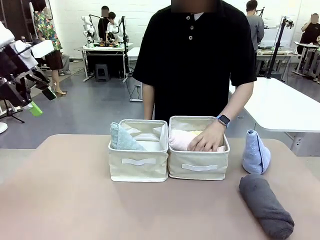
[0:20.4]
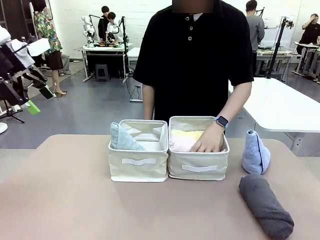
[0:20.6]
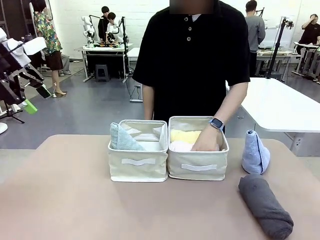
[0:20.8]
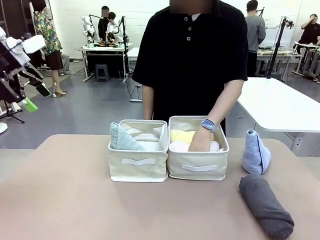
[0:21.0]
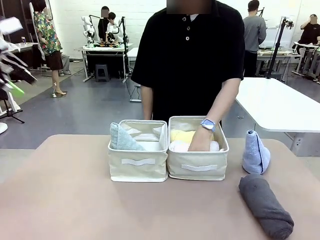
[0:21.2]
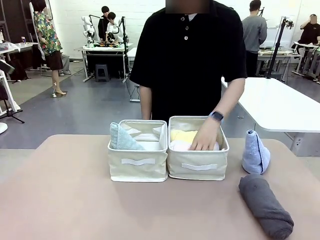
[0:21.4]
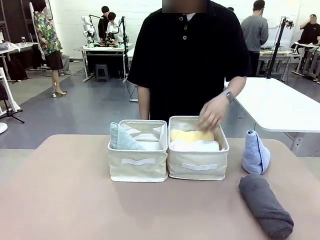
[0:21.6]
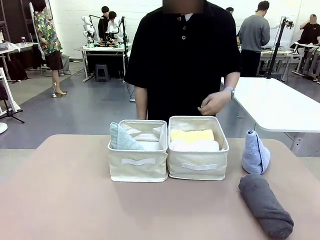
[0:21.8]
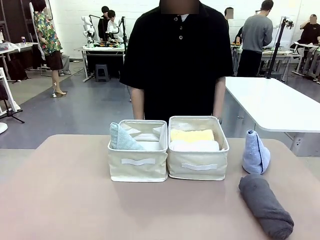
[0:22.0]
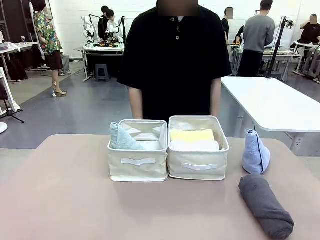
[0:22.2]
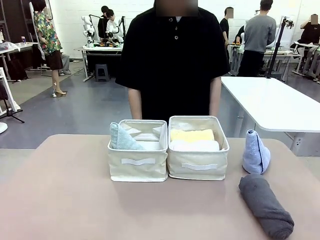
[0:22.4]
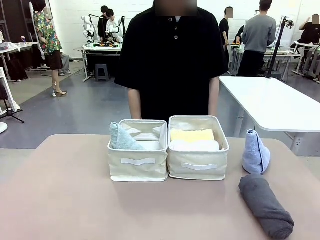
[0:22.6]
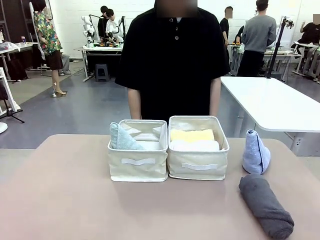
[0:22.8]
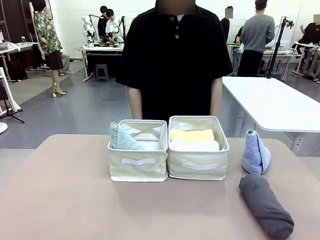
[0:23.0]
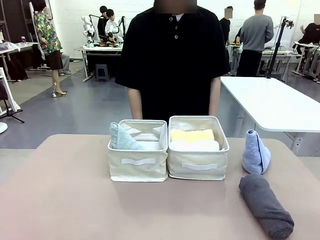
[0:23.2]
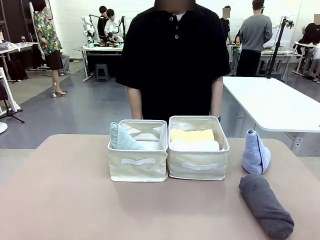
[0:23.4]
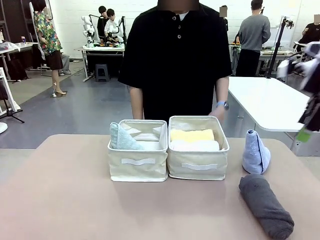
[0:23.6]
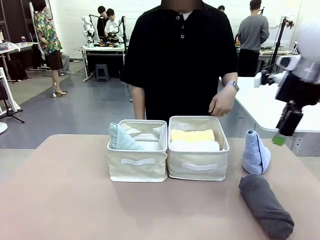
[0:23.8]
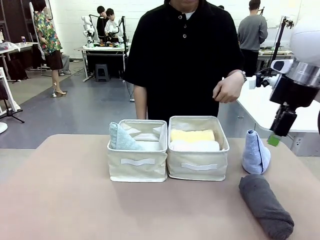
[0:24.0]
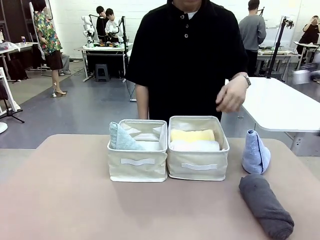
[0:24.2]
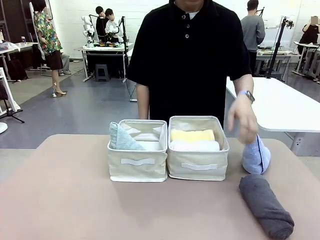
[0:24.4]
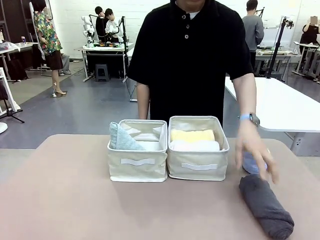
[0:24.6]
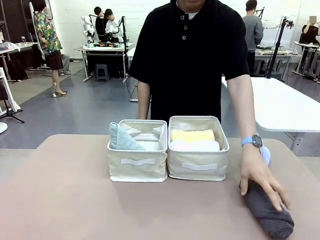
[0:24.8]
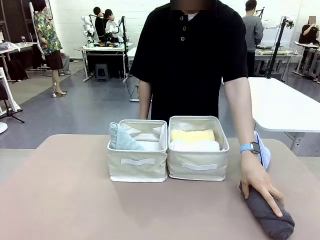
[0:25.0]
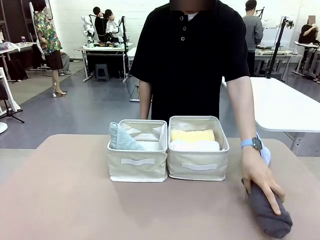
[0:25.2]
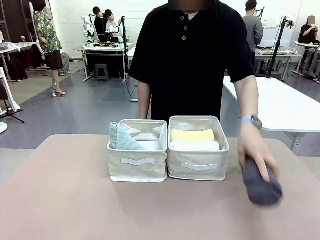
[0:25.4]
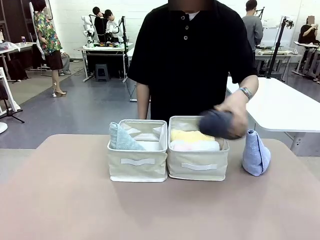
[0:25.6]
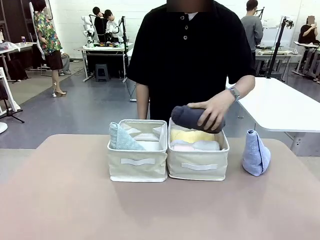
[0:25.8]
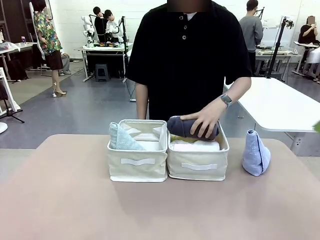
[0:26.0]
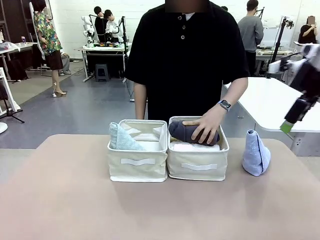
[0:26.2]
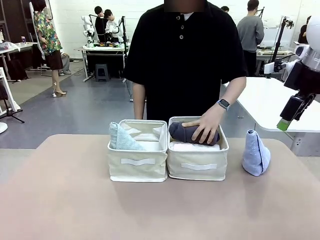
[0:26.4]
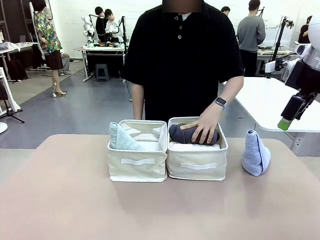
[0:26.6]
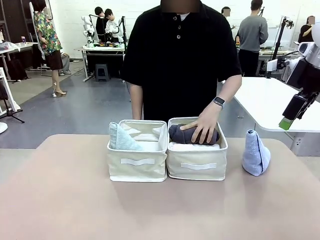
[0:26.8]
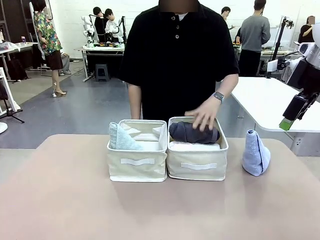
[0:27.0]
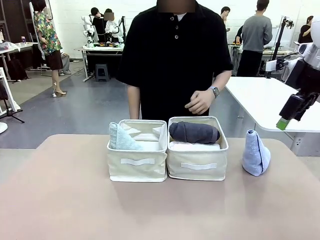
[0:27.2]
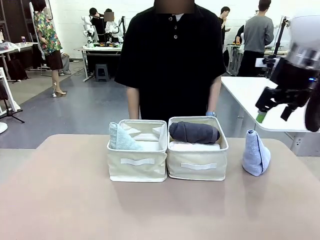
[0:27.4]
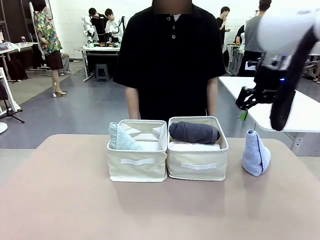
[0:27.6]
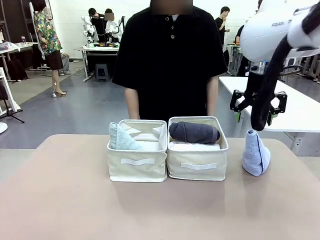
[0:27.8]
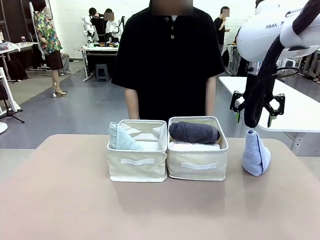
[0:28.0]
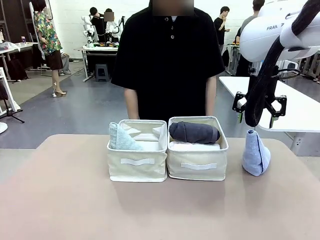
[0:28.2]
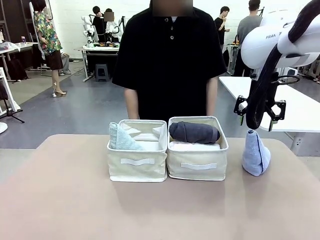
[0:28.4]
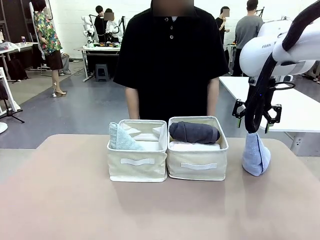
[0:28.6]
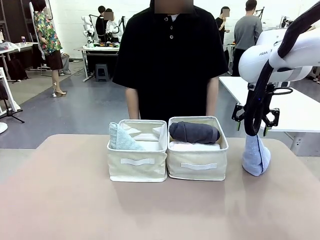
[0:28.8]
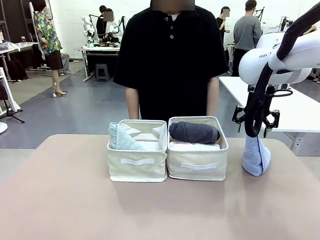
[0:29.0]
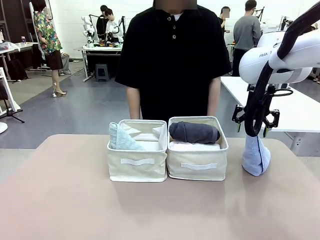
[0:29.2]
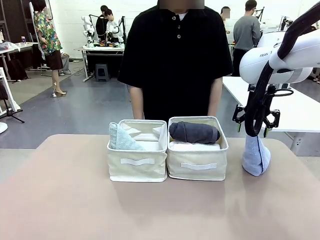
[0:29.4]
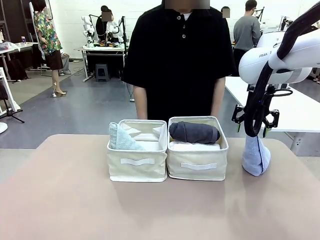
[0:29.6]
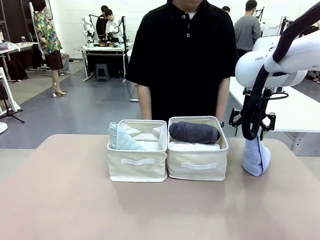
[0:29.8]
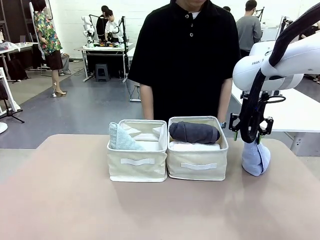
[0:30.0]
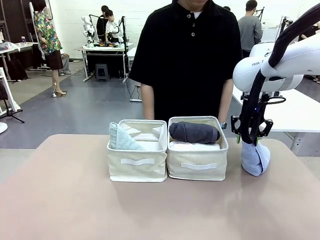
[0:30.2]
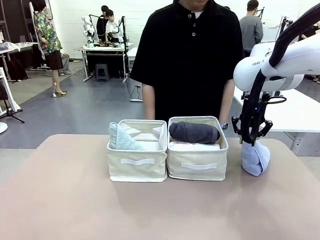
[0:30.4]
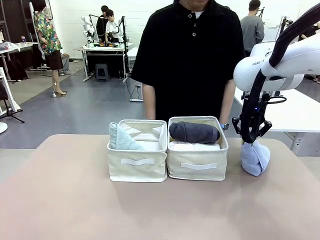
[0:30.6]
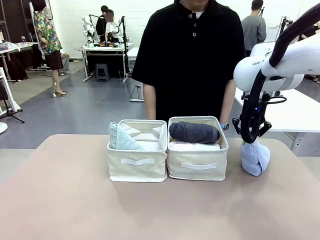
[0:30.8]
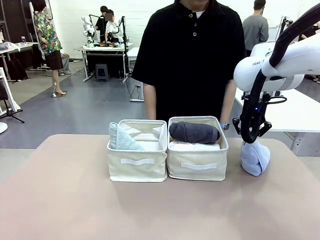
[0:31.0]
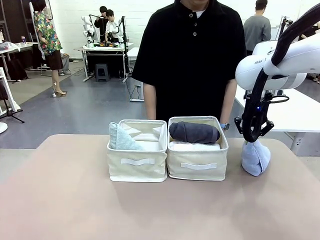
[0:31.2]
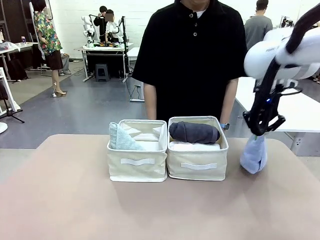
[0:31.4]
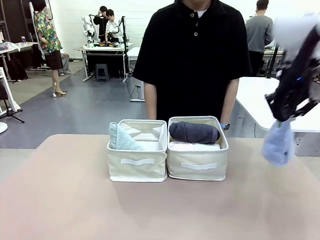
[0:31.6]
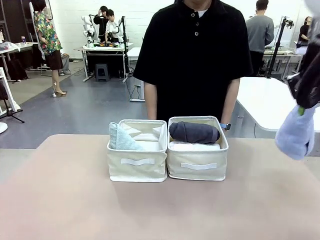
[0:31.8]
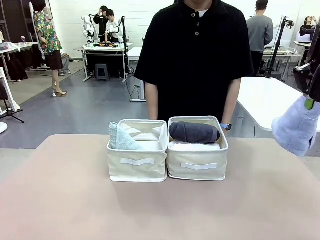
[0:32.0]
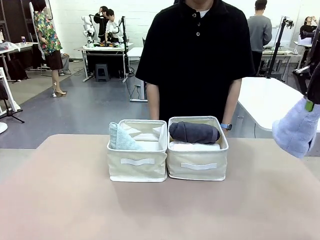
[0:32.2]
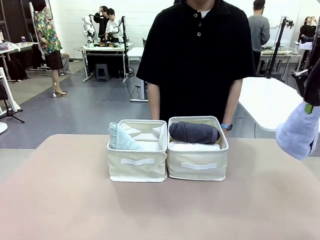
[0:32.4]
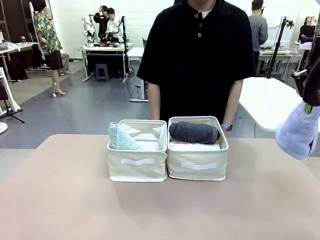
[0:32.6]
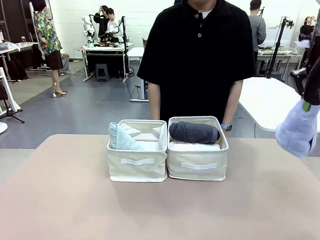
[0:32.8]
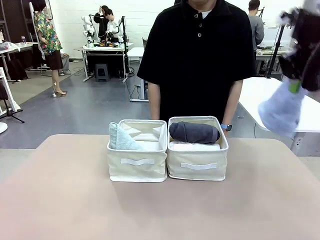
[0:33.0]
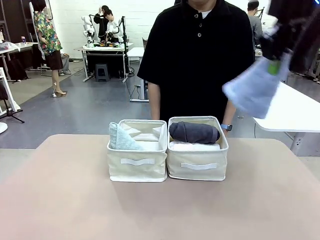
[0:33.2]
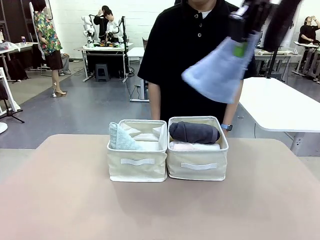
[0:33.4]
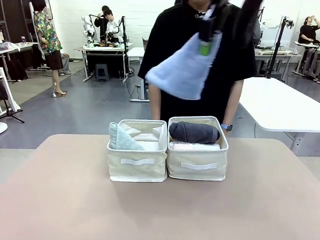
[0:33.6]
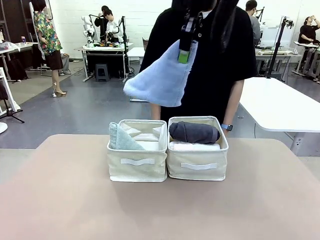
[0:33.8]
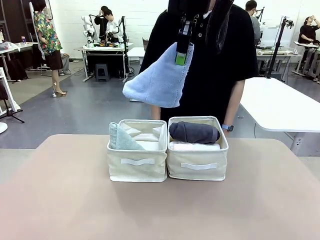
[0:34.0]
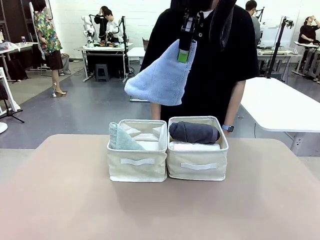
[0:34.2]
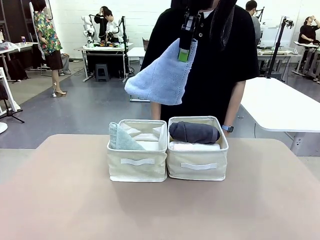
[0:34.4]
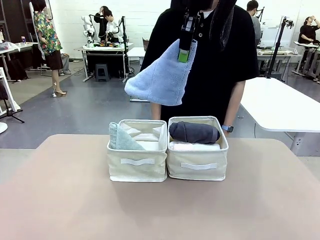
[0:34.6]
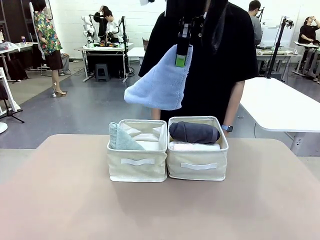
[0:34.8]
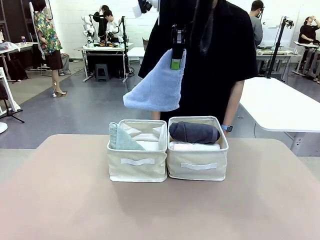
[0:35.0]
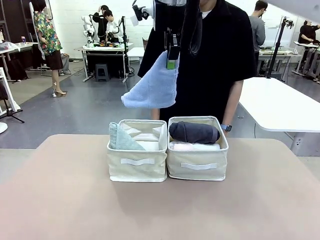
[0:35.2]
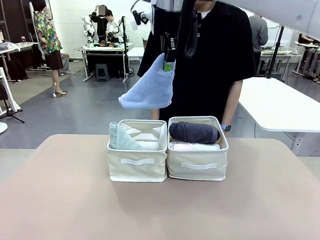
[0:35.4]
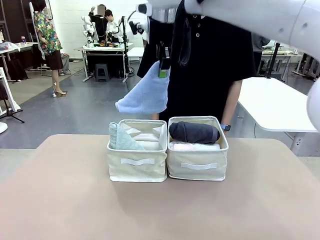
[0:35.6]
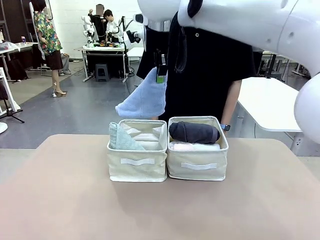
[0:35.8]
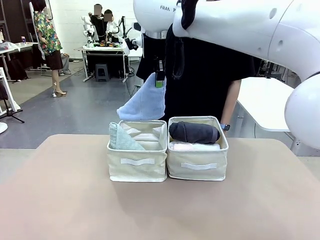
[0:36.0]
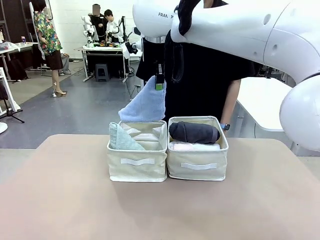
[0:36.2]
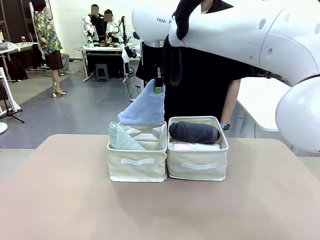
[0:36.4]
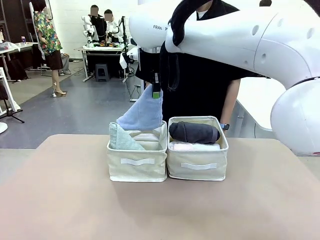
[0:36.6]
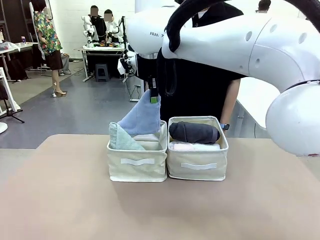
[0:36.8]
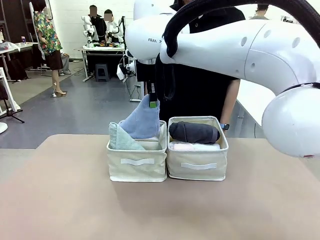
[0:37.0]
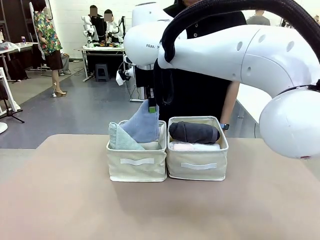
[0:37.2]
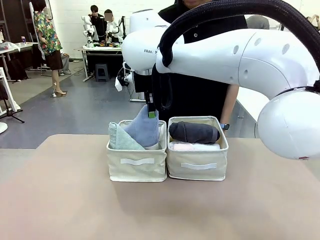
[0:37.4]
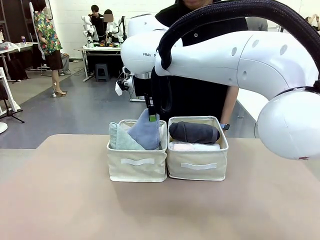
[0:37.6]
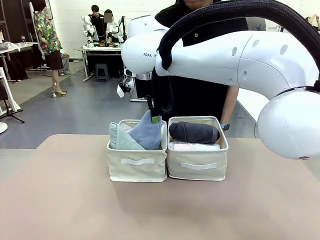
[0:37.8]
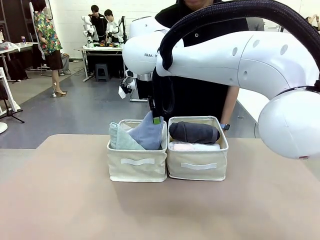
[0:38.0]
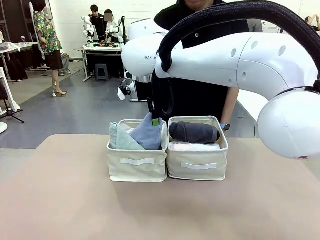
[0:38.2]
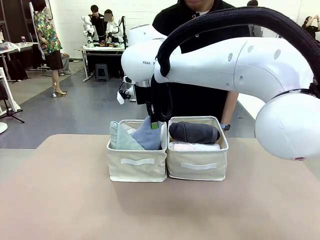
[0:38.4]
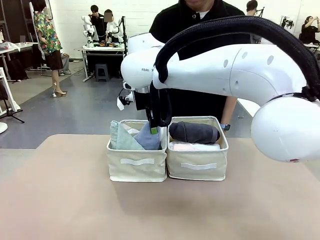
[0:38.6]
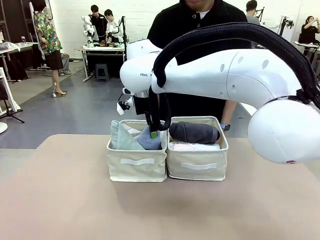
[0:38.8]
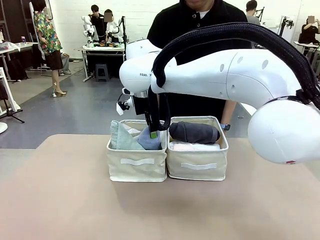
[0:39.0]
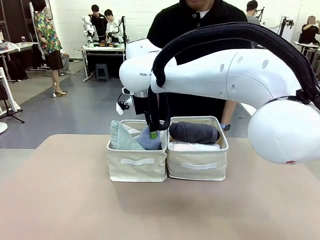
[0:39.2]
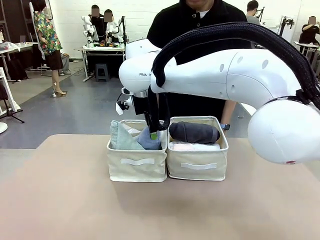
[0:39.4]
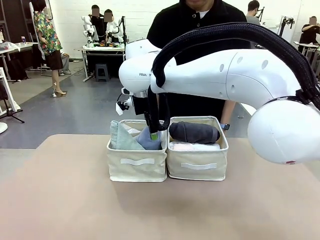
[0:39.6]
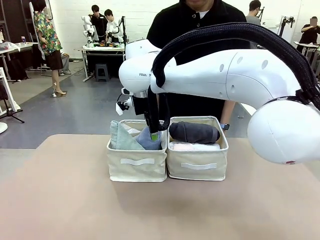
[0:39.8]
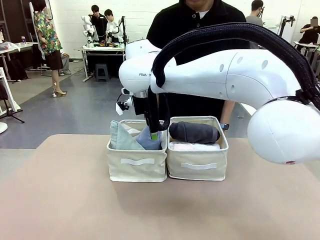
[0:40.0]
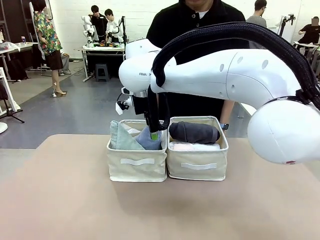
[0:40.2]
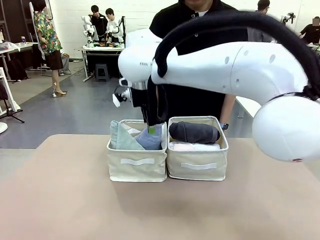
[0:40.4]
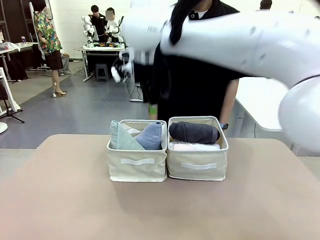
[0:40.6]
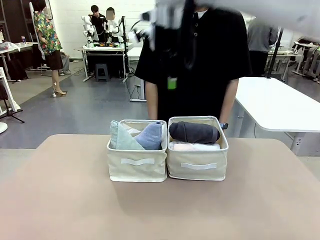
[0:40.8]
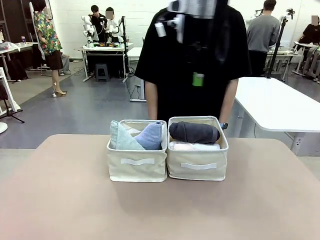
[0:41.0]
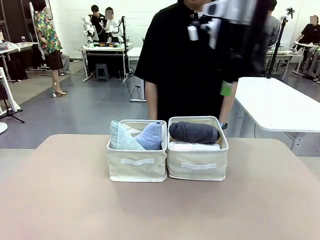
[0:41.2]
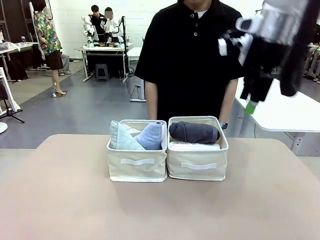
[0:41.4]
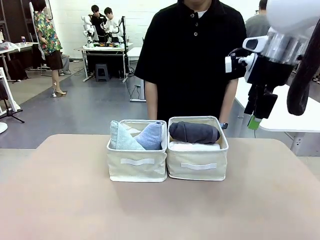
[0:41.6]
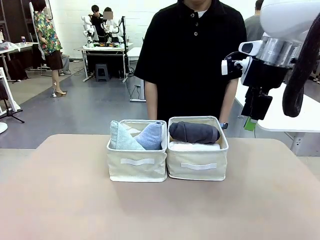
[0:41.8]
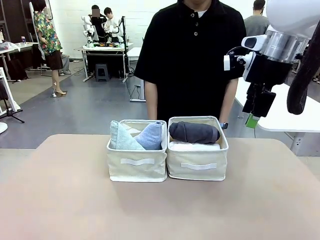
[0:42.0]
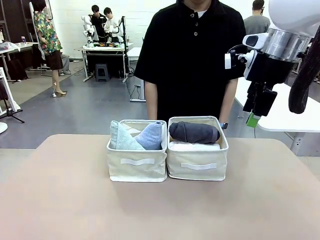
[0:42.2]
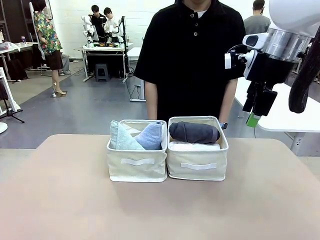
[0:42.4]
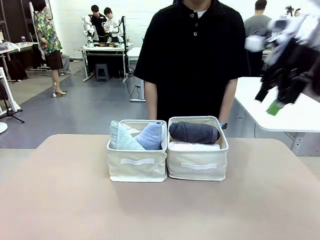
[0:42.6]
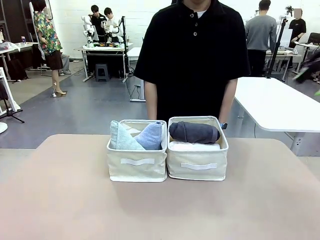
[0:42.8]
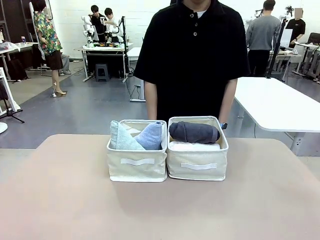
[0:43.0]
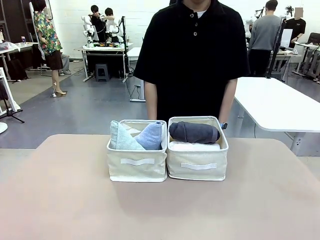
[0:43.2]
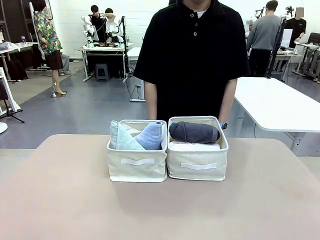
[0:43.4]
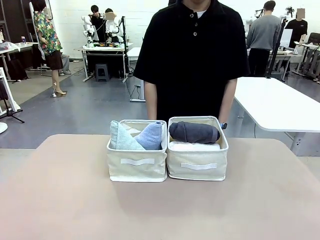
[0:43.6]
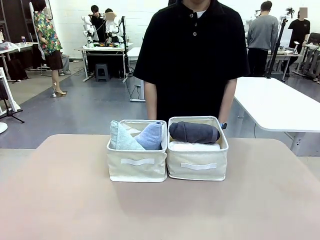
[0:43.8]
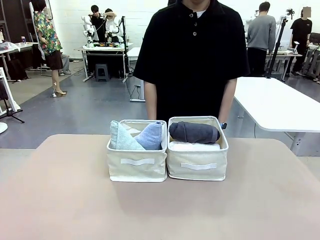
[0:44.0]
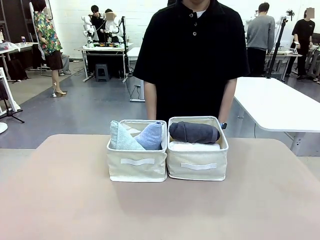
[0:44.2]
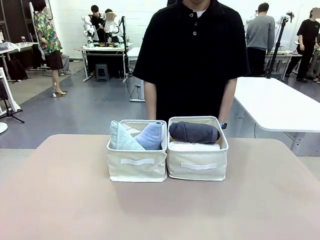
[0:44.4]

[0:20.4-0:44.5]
Task: Sort the towels based on their folding style.
Robot: Pick up another triangle-folded towel from the table and place it in the left Fabric basket.
Person: Pick up one hotel-style rolled towel from the table and place it in the left fabric basket.
